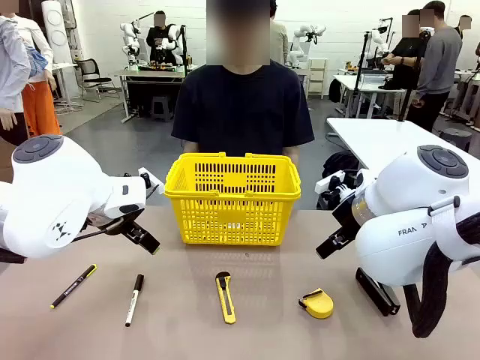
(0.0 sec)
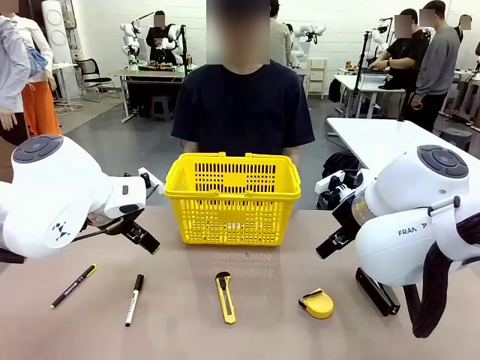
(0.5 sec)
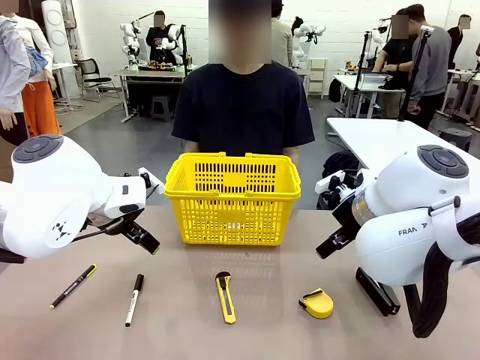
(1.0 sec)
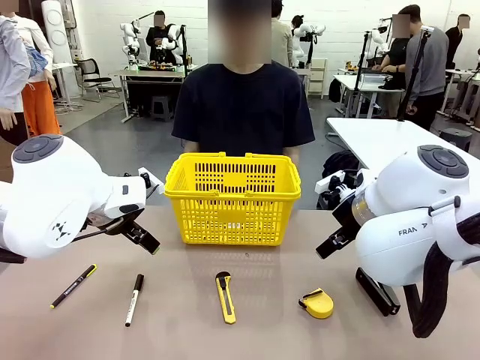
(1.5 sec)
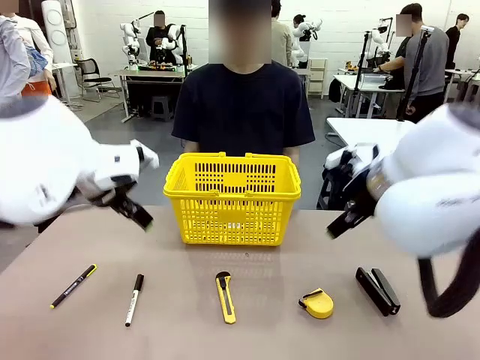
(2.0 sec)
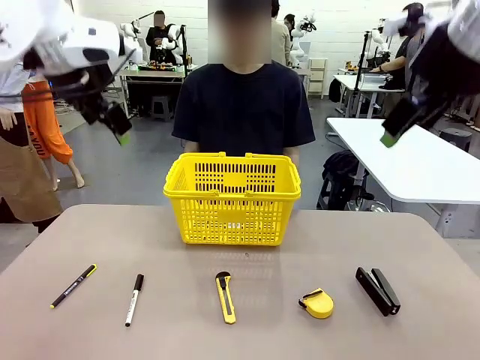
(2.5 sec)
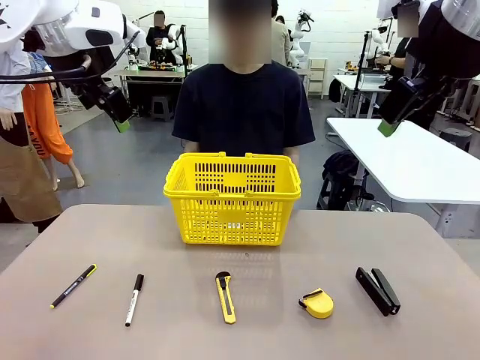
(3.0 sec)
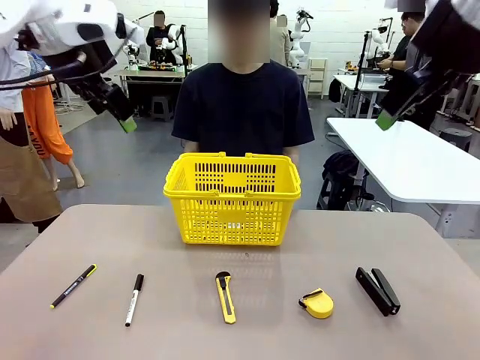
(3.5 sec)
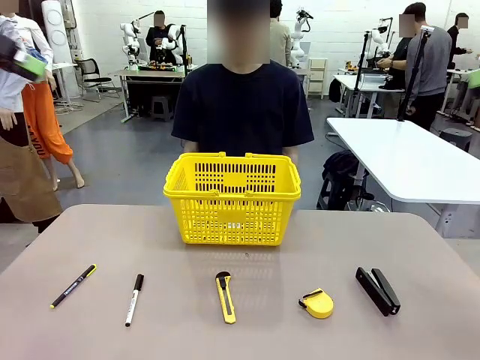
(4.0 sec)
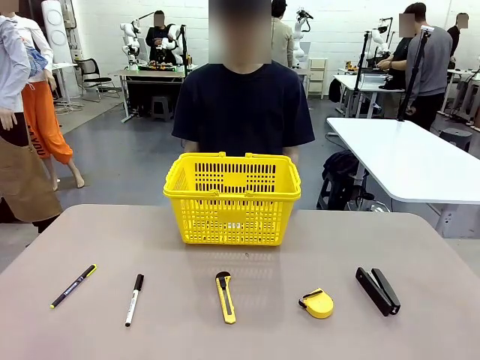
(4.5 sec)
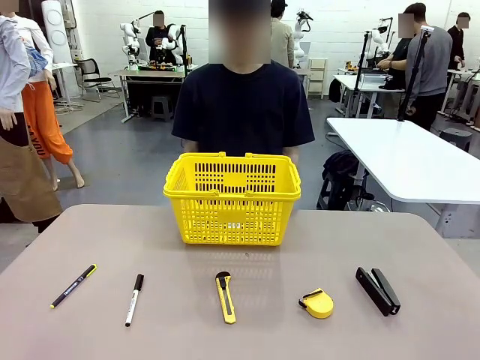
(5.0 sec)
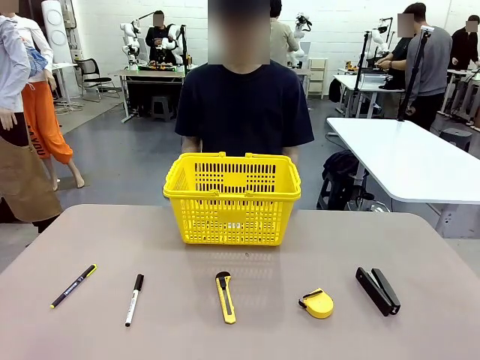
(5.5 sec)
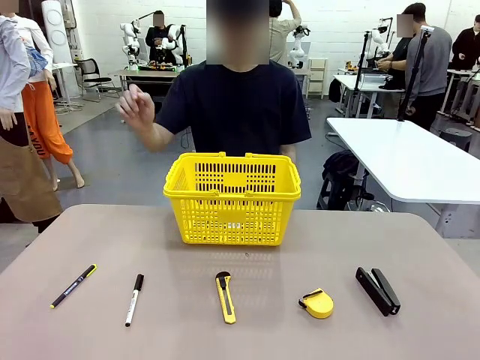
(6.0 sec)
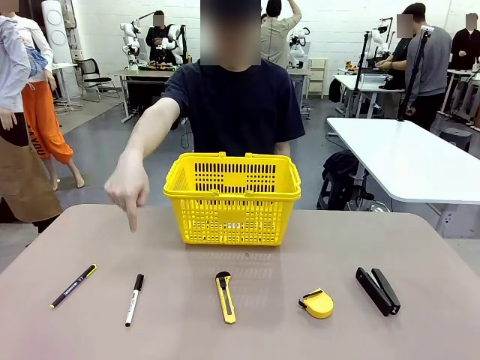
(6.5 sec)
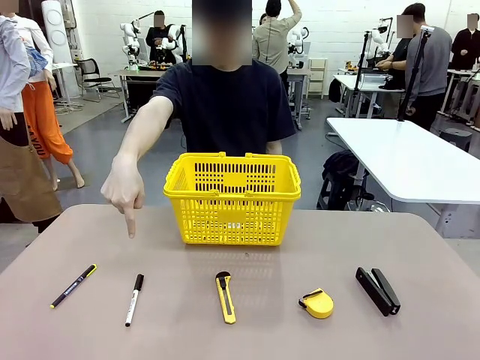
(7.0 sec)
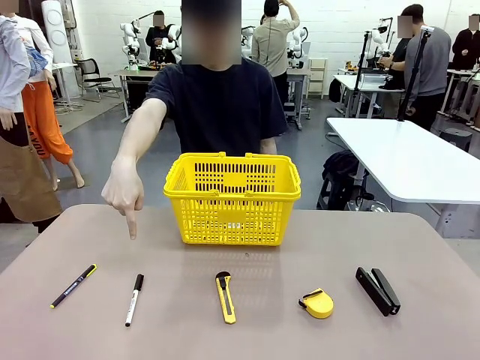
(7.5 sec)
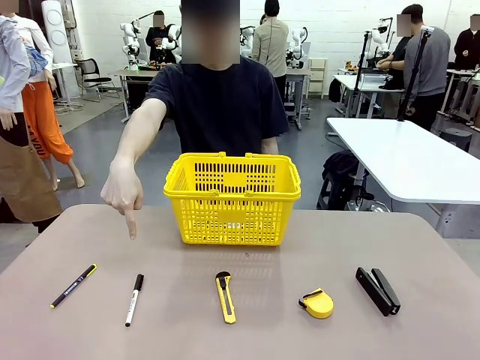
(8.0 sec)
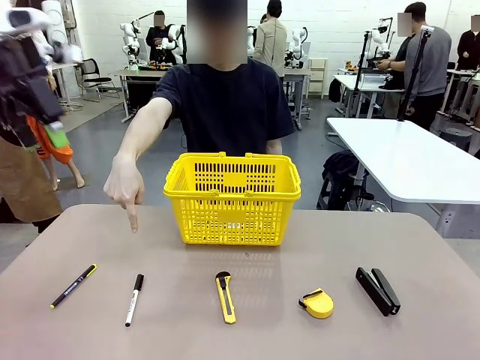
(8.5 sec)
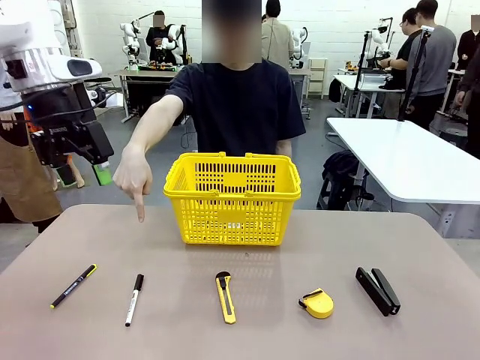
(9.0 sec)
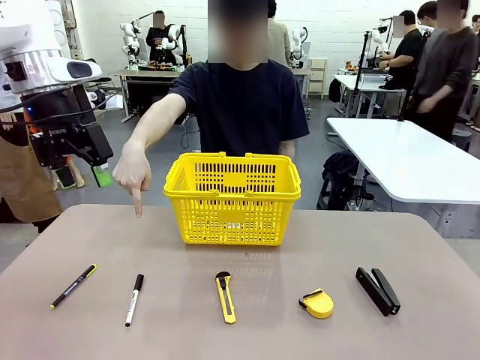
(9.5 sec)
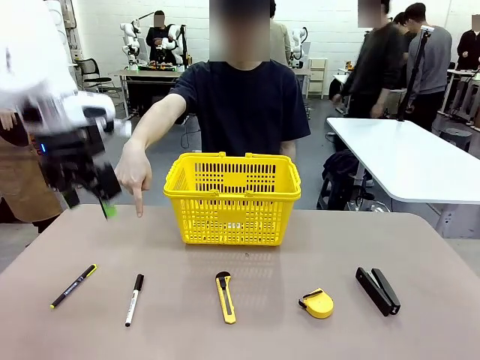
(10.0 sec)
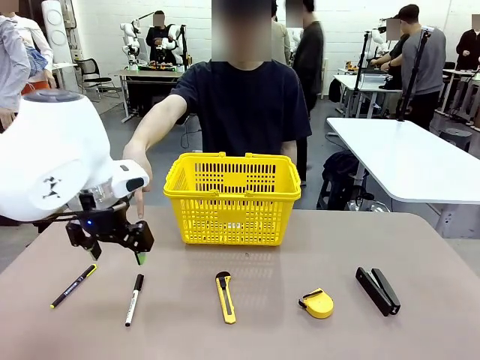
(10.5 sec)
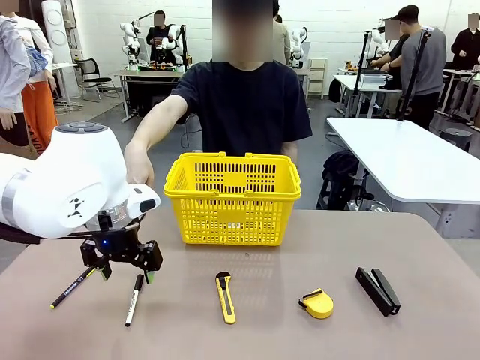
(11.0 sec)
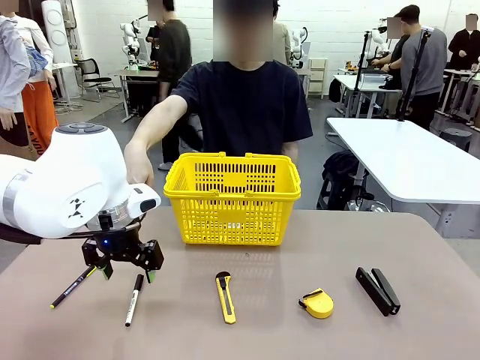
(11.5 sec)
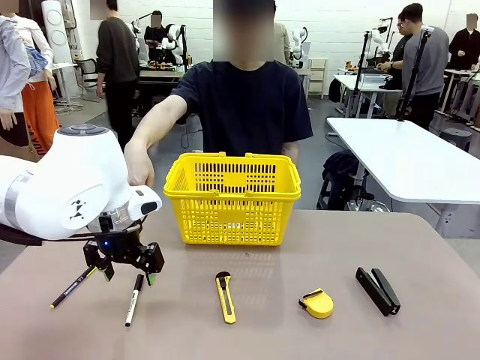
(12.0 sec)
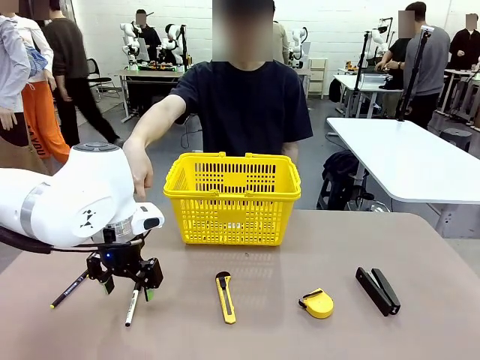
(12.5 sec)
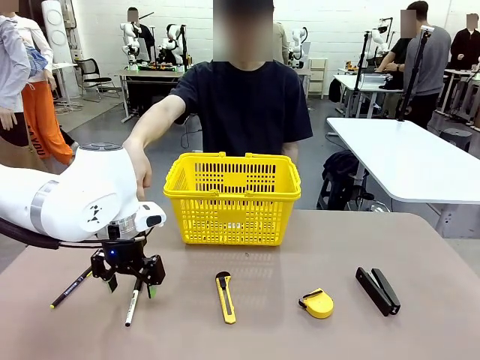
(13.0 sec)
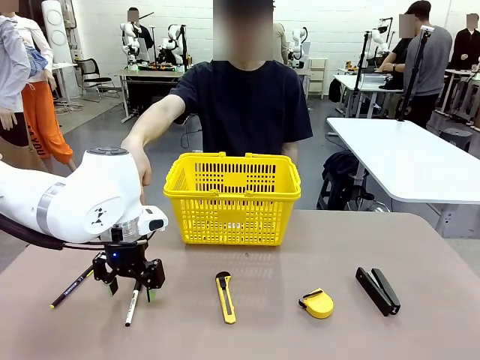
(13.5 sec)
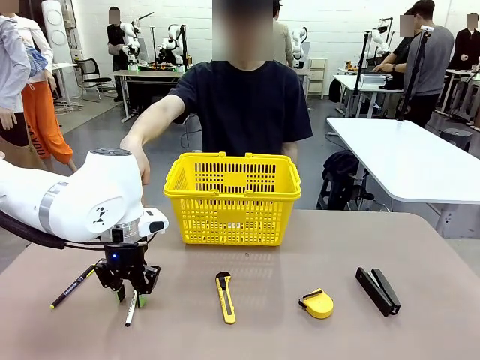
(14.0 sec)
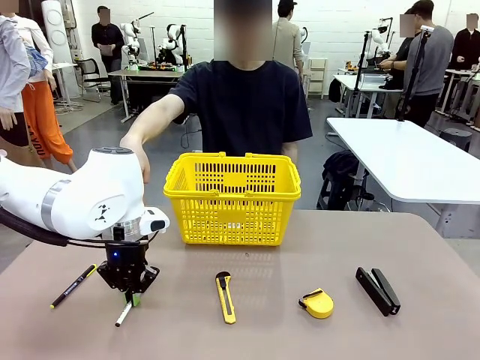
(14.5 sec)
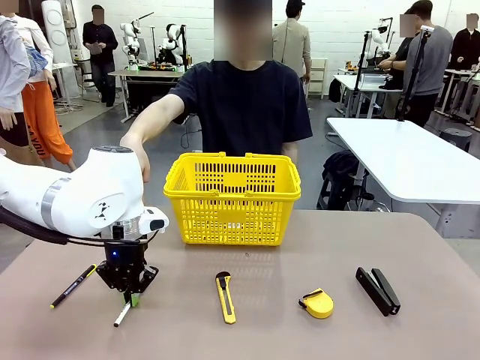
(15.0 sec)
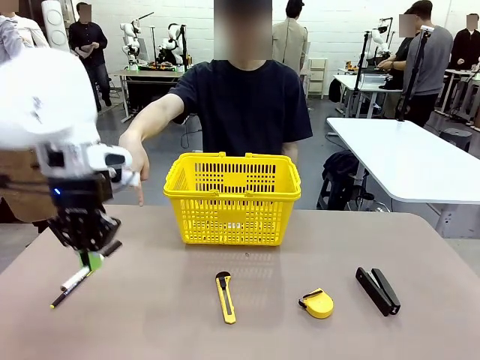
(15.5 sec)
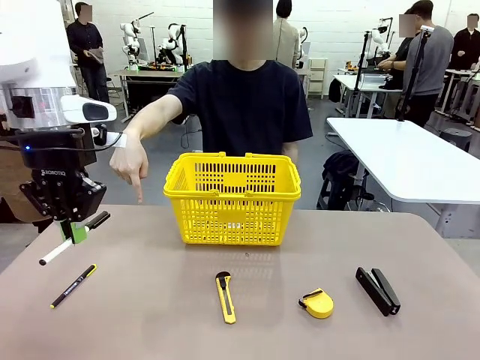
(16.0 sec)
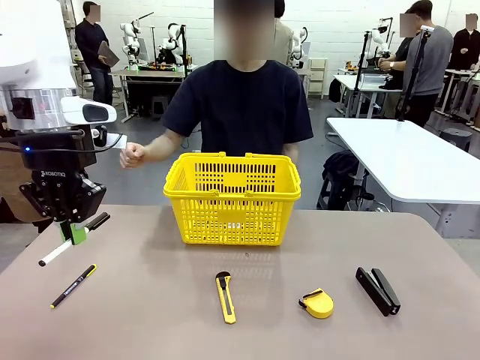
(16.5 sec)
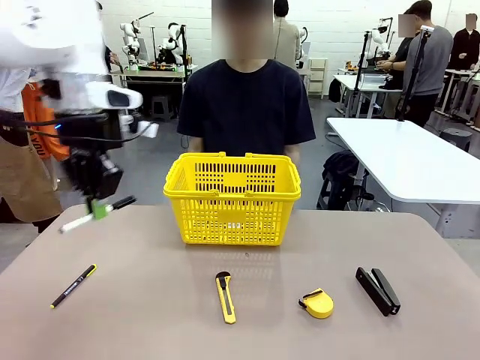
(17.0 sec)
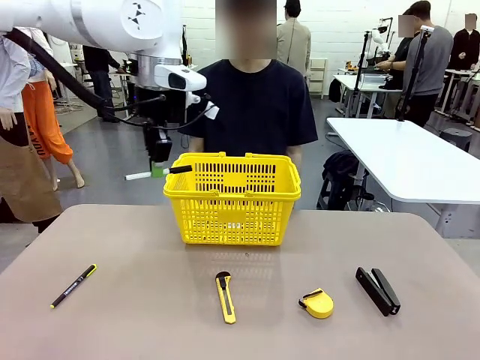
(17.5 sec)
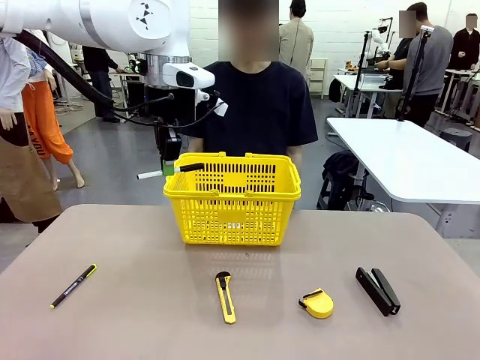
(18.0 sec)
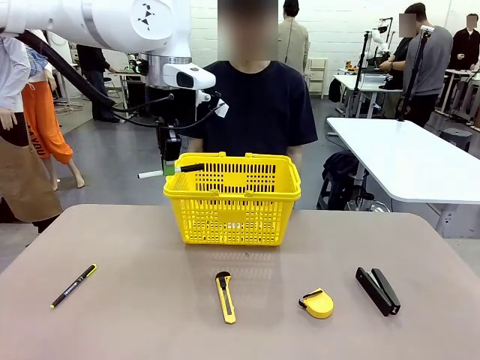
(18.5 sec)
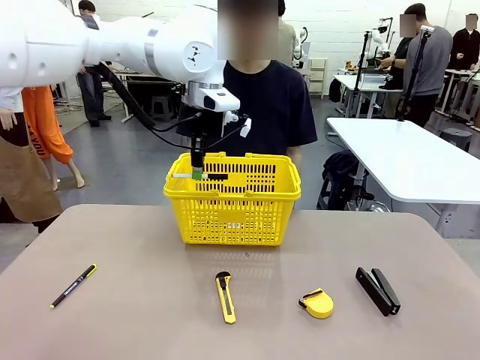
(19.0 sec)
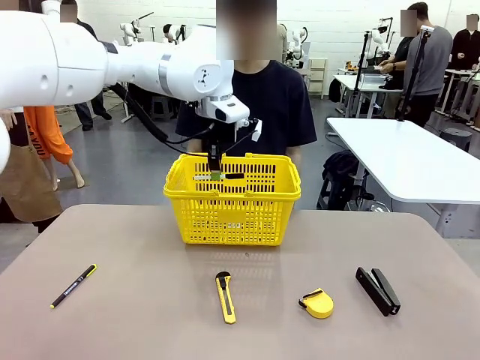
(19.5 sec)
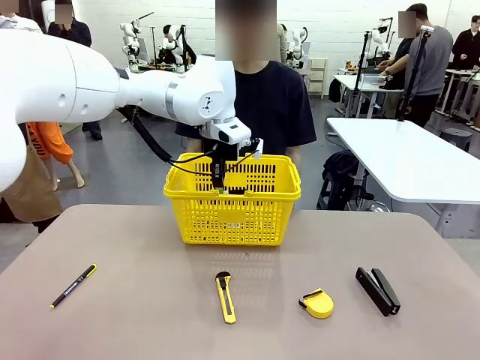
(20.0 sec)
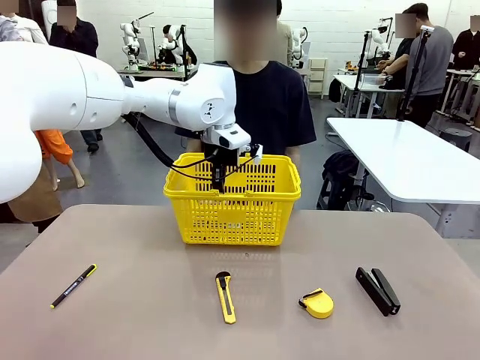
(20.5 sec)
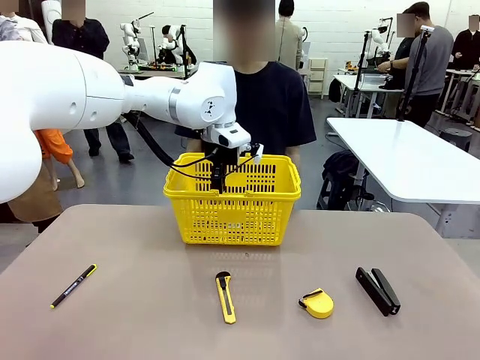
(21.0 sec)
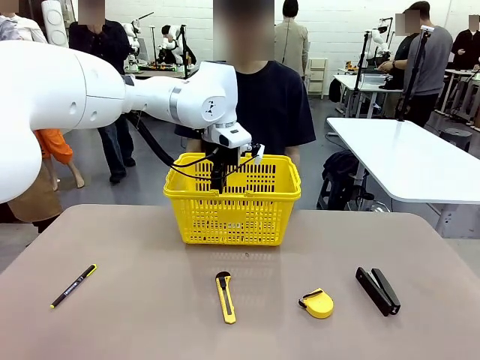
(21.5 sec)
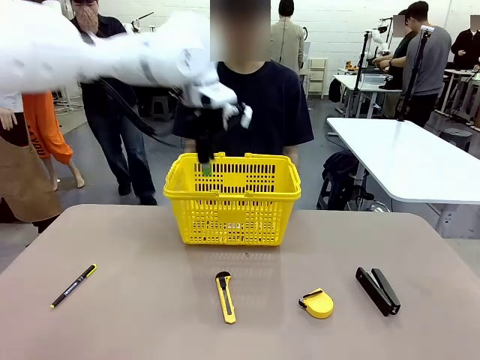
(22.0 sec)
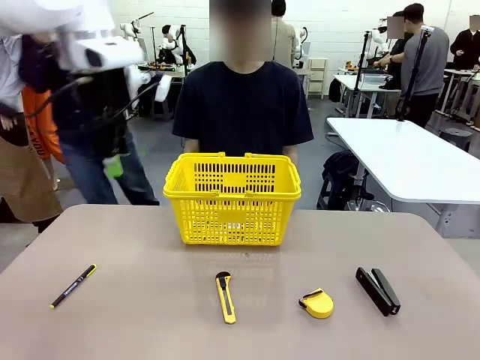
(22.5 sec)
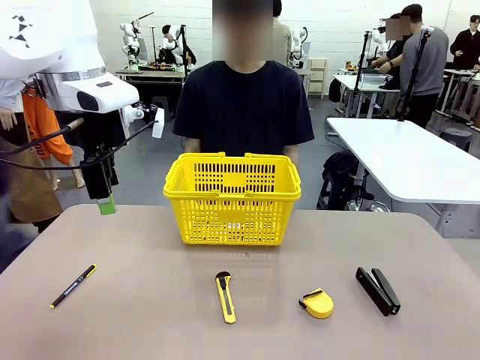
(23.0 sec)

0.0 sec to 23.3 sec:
Task: Place the items the person wants into the basket.
Robot: Pick up the item the person points to and place it in the Market Basket.
